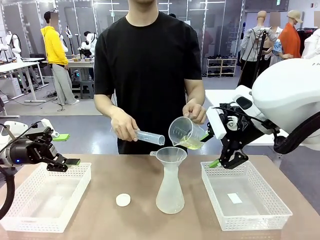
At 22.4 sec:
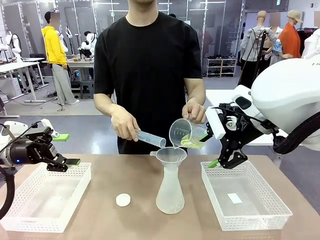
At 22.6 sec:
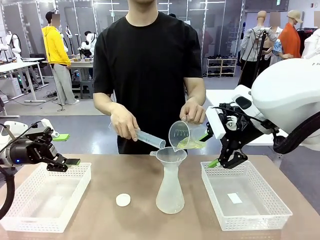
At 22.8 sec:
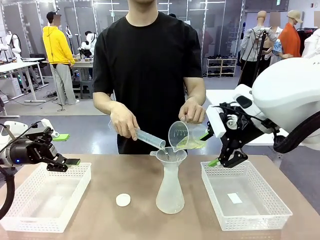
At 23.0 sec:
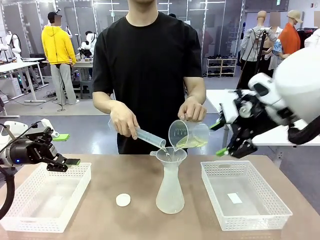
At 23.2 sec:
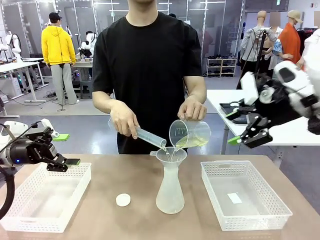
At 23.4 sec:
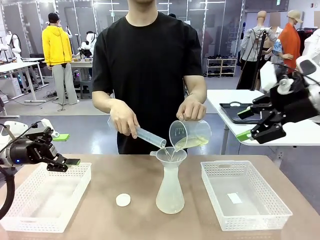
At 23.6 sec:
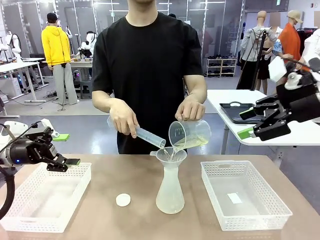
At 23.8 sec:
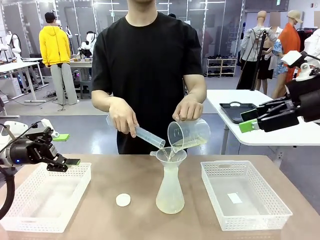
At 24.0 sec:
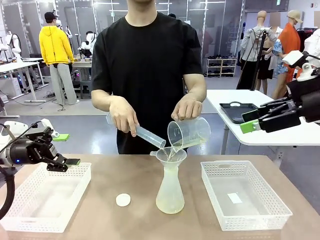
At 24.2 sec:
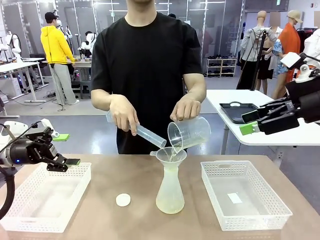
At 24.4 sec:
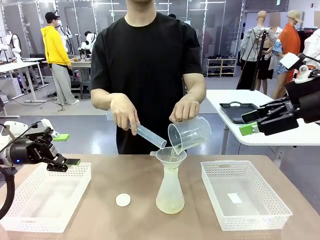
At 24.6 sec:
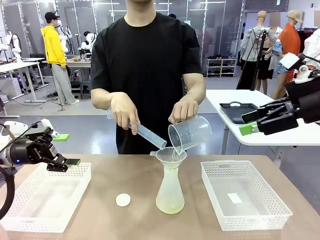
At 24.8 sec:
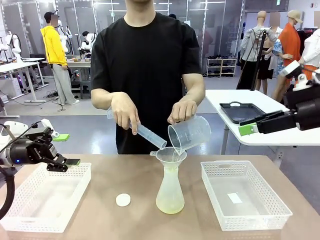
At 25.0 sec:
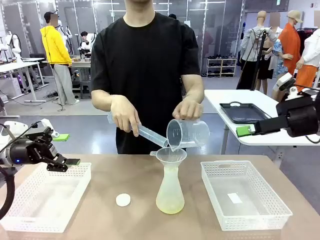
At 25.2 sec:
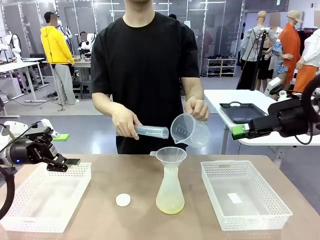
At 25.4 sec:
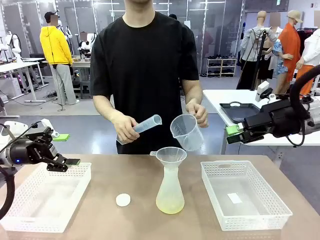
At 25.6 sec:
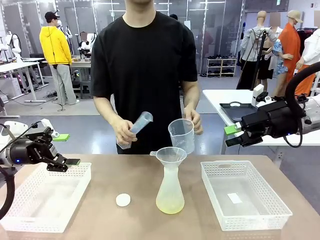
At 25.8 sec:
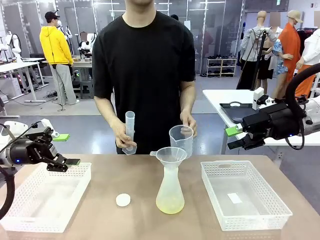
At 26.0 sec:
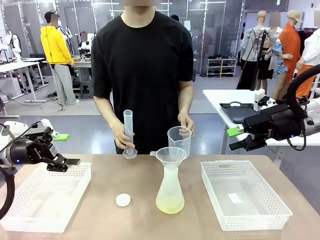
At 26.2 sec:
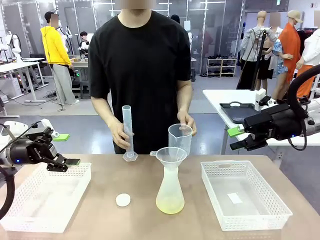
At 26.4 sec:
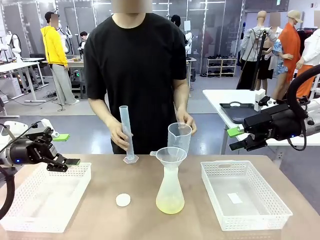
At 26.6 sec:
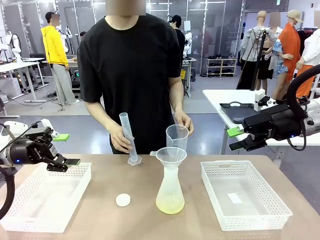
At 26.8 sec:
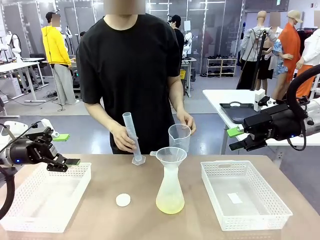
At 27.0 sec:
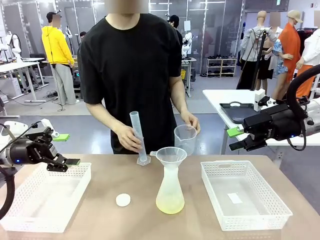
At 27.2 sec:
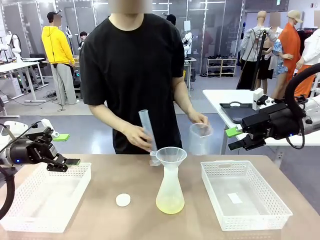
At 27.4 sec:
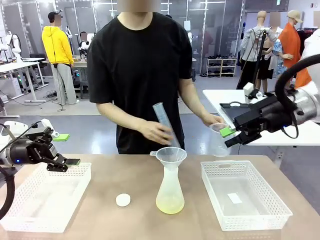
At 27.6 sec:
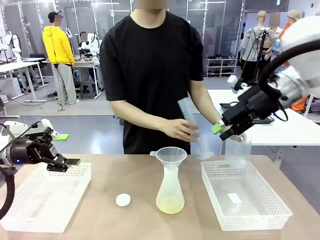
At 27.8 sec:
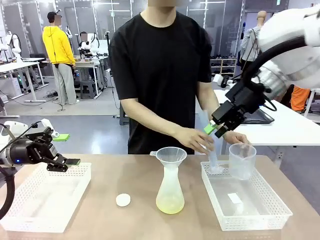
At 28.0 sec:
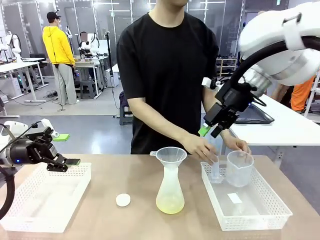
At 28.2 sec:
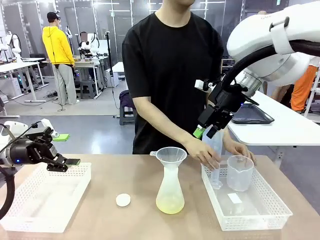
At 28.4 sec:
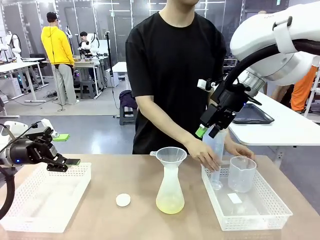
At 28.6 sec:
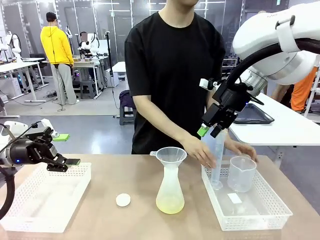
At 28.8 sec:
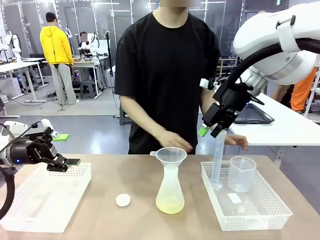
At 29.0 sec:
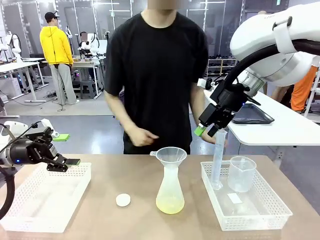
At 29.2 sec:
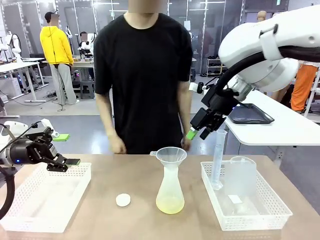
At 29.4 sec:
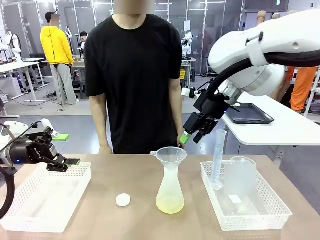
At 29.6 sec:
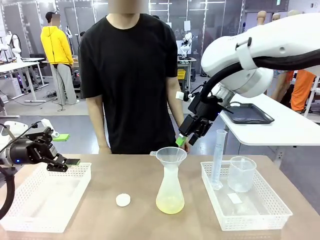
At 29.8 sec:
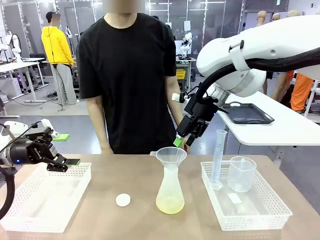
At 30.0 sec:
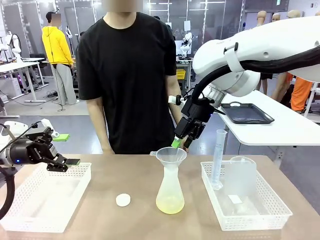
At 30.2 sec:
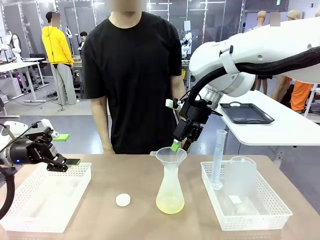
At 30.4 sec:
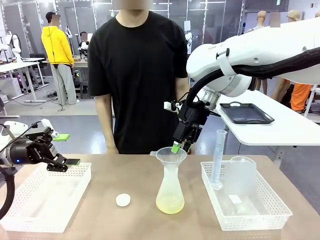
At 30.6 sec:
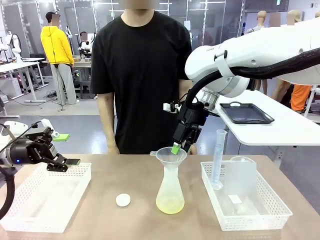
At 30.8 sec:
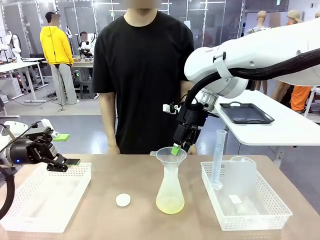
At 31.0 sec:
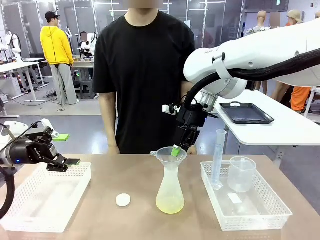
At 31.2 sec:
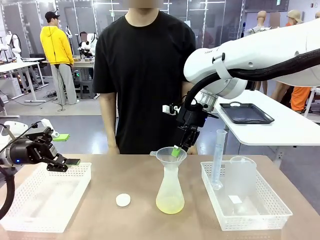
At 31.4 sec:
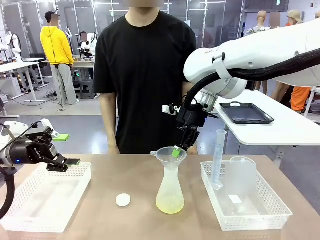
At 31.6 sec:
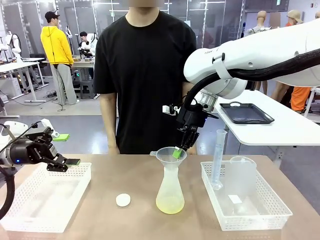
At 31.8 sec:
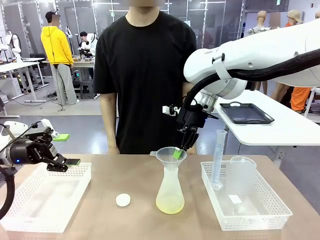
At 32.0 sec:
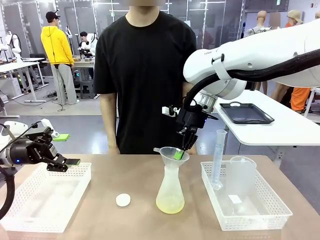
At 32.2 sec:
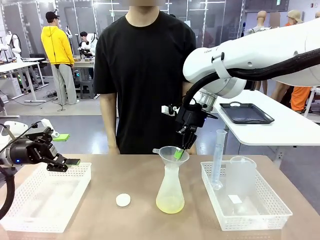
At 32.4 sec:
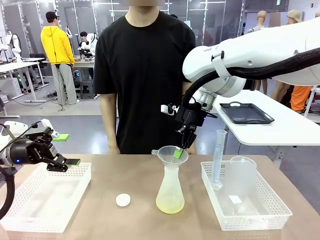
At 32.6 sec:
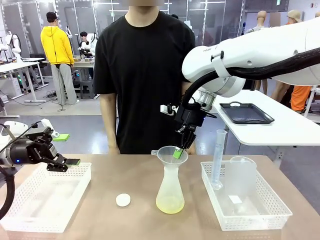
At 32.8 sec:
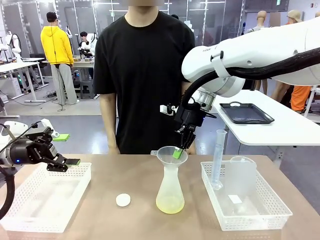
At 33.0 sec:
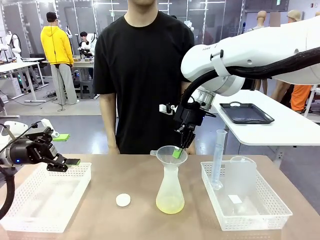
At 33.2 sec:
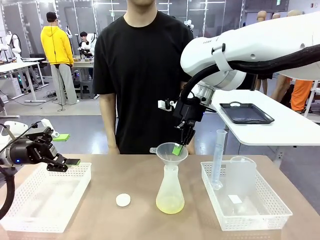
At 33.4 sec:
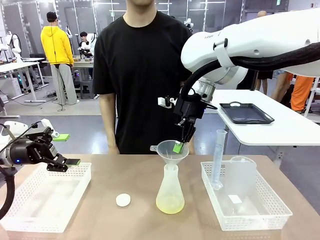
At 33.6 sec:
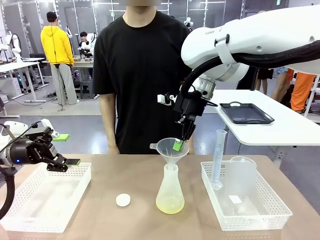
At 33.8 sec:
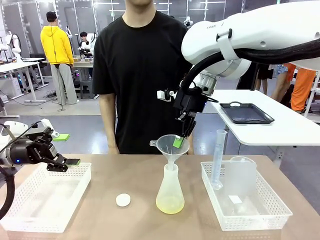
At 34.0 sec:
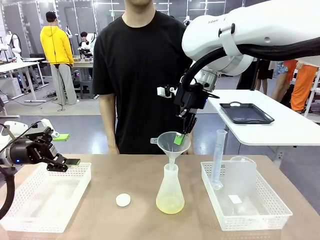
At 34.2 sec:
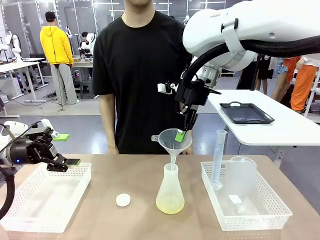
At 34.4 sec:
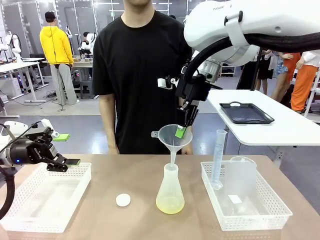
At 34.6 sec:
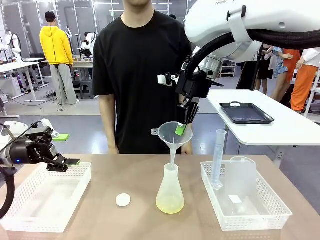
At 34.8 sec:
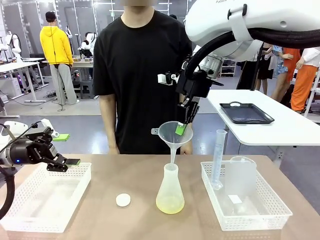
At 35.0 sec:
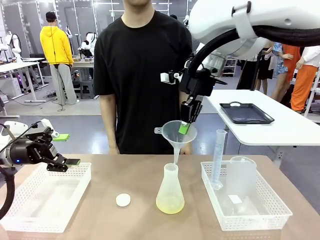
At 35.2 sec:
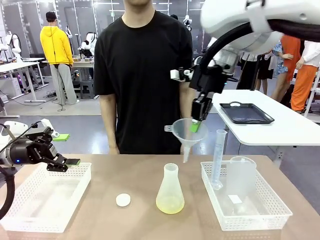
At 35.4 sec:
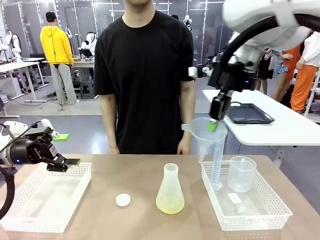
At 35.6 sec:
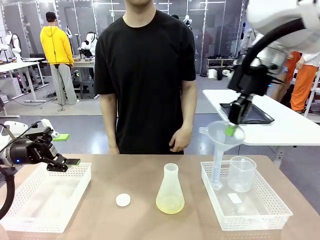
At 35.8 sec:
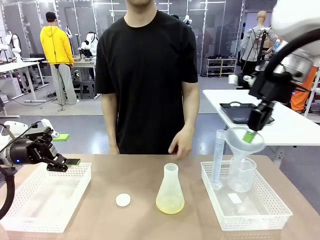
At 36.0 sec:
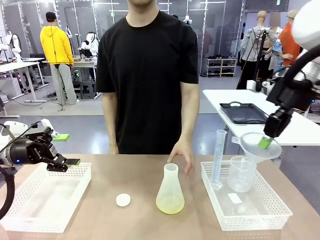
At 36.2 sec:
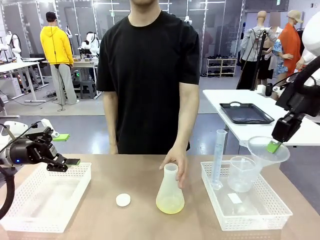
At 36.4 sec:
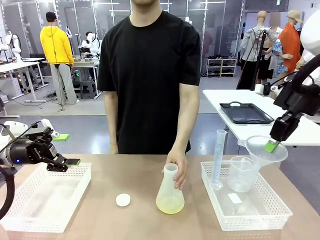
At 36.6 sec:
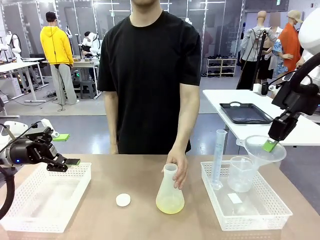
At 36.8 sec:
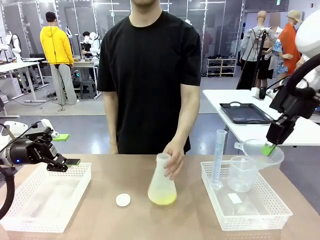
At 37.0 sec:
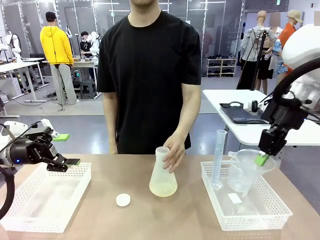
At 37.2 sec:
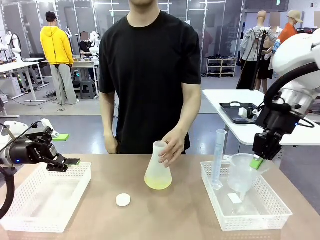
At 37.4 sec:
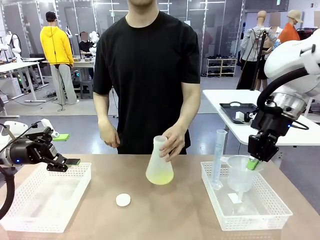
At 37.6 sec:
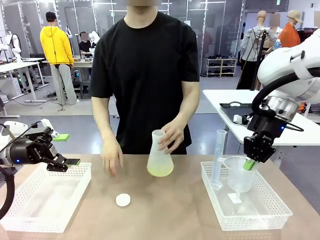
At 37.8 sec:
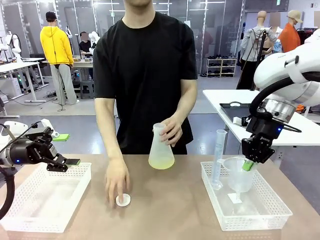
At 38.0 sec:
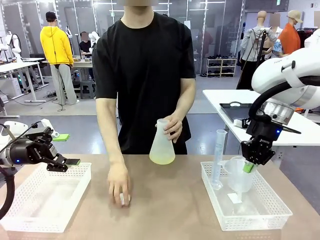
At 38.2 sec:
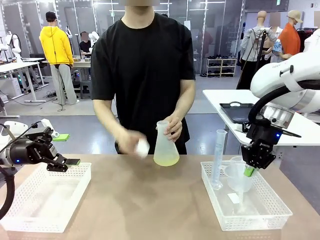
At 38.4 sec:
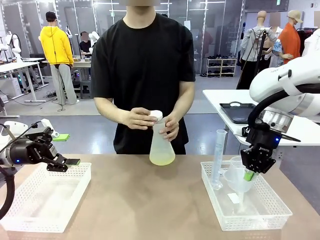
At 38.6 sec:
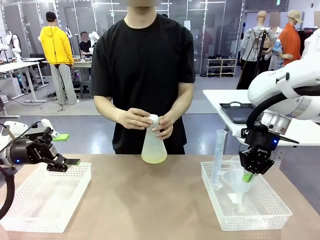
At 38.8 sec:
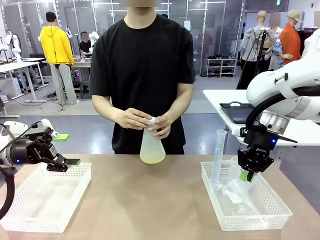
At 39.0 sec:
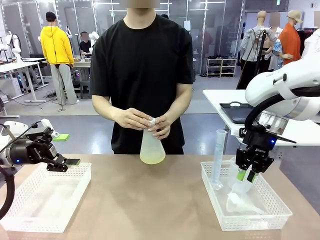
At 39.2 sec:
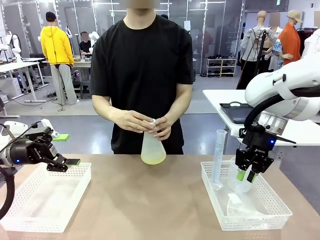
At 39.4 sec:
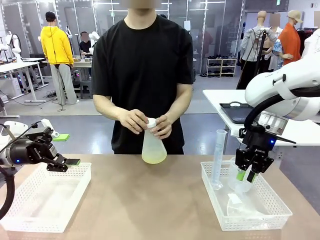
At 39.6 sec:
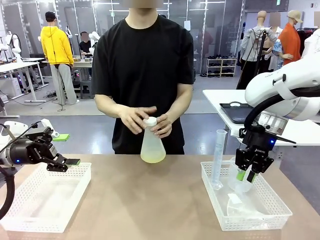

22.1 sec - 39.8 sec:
Task: Prepare the solutions needed for the experiment.
Robot: Once the solution is in the Big flask , pick up the Plastic Funnel and place it back into the right Organizing basket.
Person: Place the beaker and the cylinder into the organizing basket on the left side. Pick up the flask, gently shake it 2–3 times, place it in the middle of the robot table, and close the lid.
